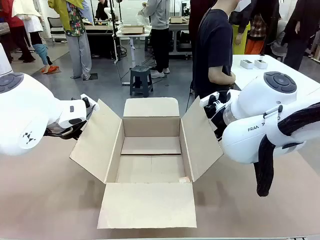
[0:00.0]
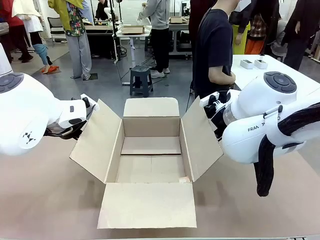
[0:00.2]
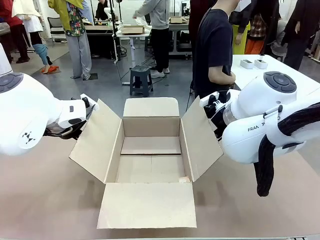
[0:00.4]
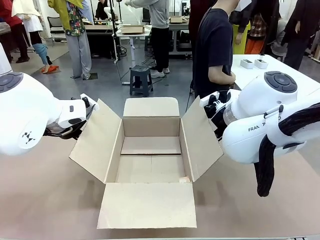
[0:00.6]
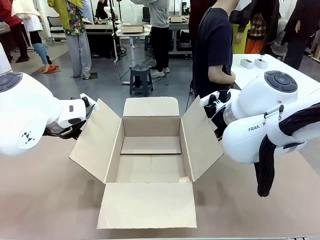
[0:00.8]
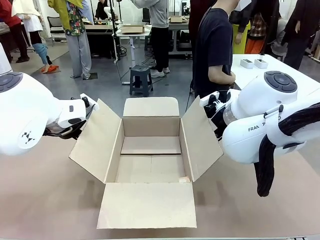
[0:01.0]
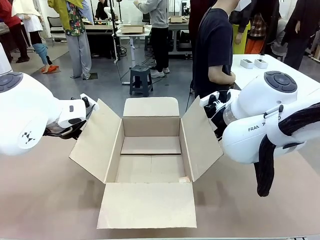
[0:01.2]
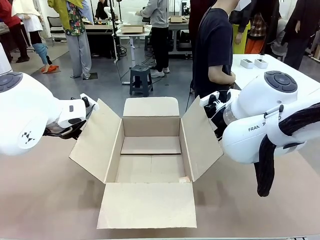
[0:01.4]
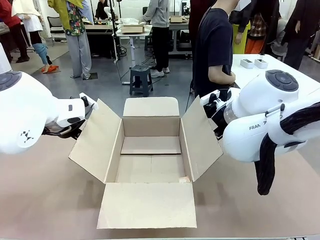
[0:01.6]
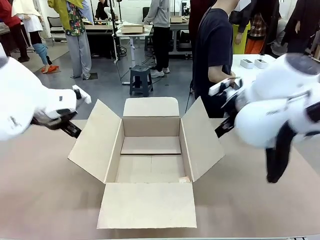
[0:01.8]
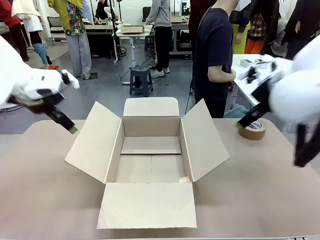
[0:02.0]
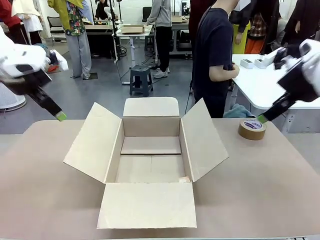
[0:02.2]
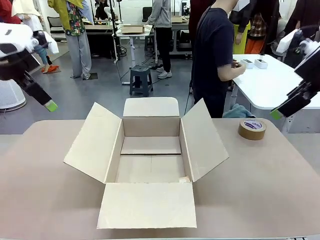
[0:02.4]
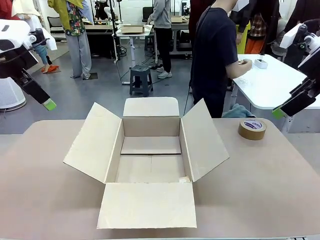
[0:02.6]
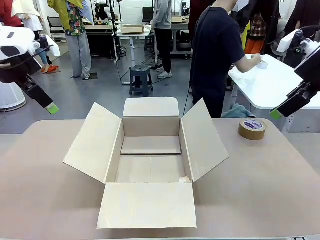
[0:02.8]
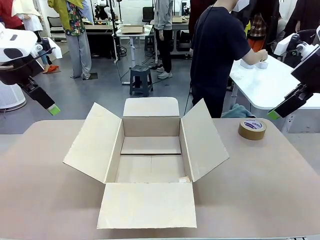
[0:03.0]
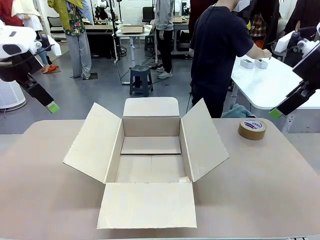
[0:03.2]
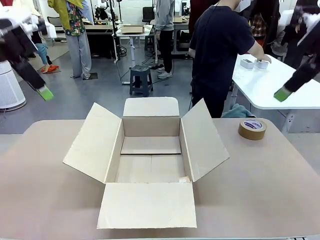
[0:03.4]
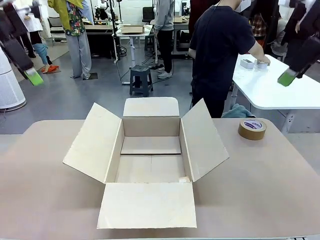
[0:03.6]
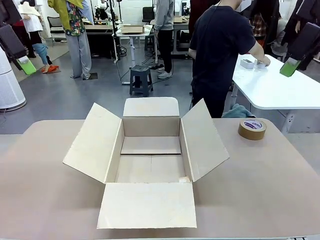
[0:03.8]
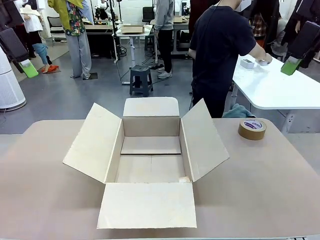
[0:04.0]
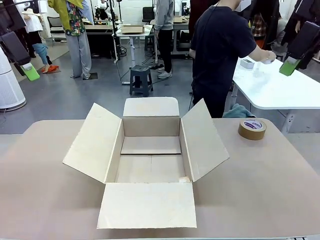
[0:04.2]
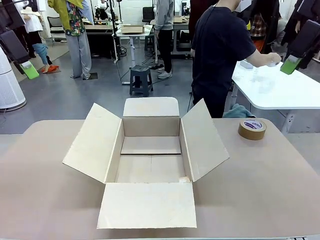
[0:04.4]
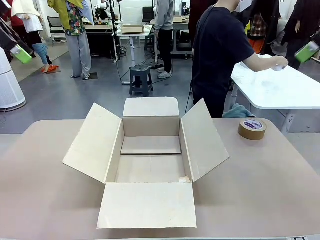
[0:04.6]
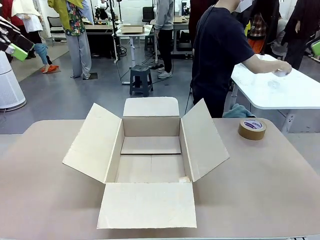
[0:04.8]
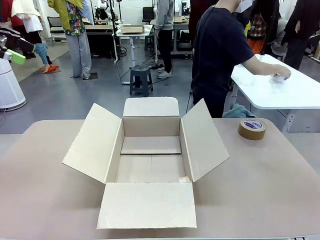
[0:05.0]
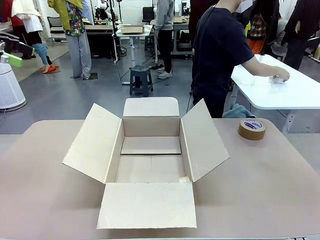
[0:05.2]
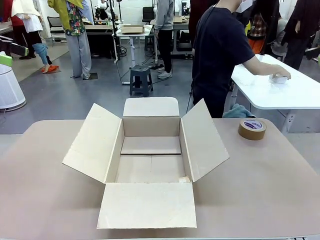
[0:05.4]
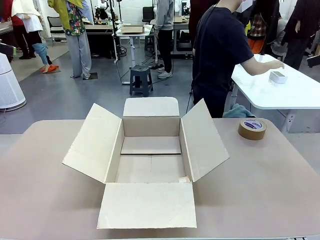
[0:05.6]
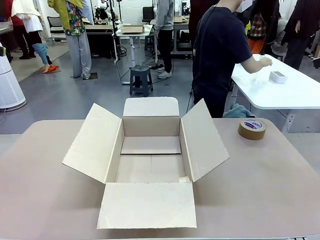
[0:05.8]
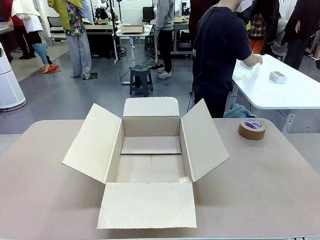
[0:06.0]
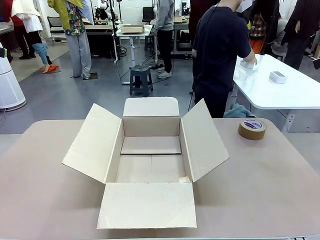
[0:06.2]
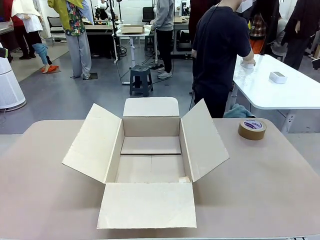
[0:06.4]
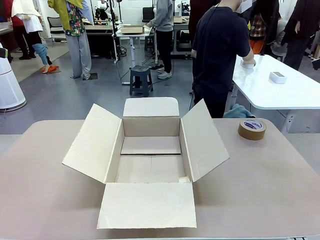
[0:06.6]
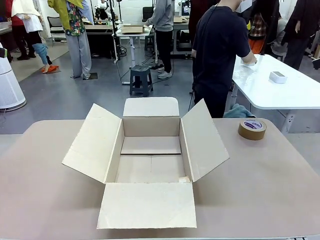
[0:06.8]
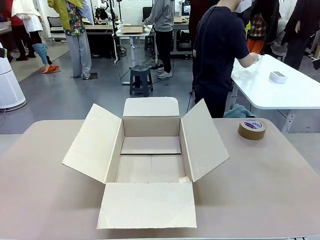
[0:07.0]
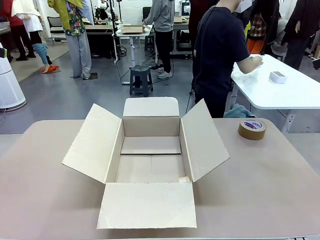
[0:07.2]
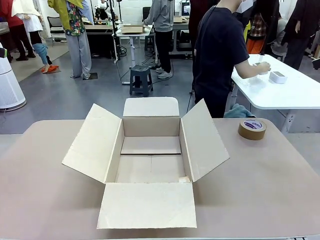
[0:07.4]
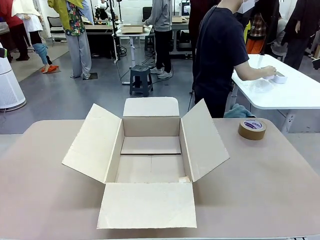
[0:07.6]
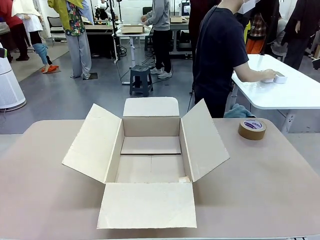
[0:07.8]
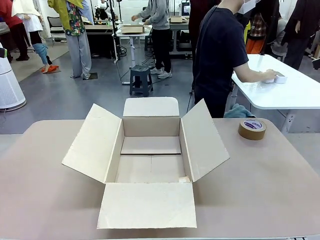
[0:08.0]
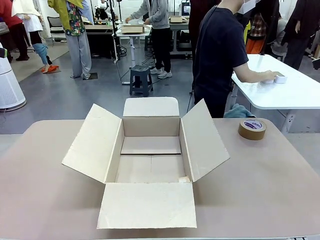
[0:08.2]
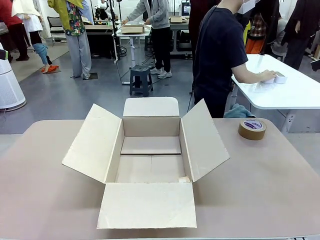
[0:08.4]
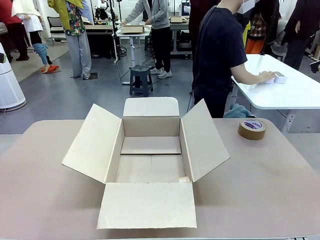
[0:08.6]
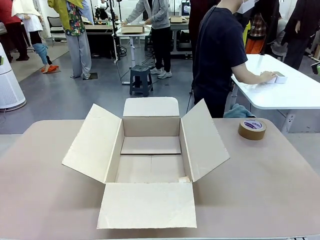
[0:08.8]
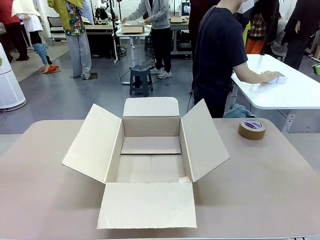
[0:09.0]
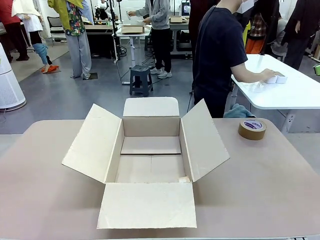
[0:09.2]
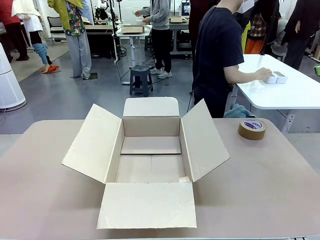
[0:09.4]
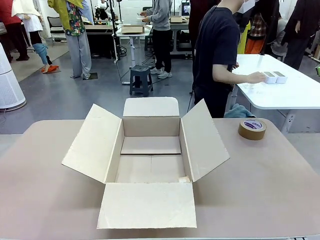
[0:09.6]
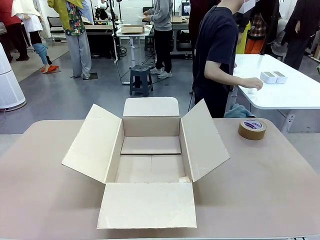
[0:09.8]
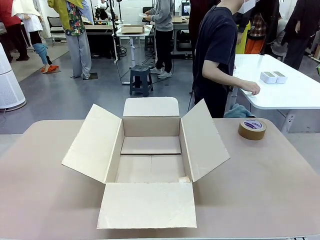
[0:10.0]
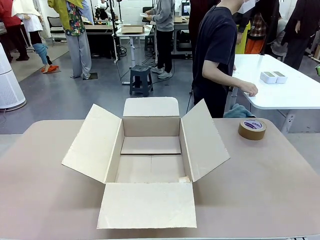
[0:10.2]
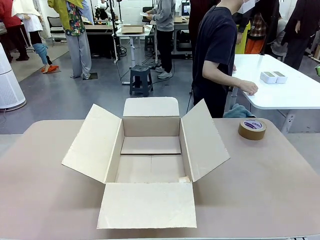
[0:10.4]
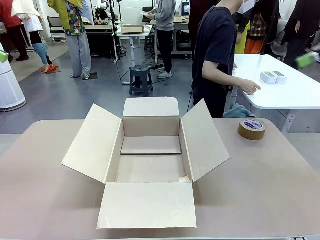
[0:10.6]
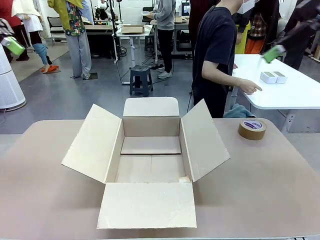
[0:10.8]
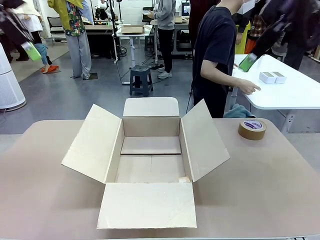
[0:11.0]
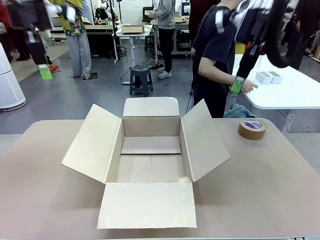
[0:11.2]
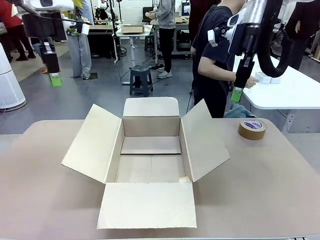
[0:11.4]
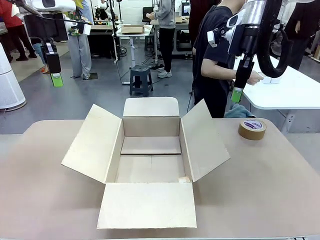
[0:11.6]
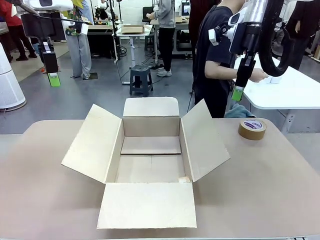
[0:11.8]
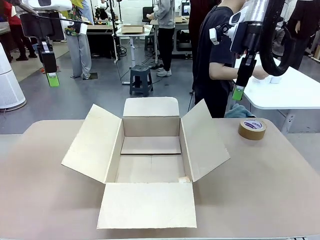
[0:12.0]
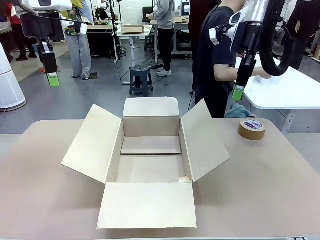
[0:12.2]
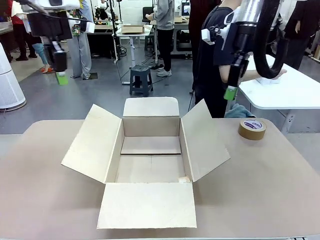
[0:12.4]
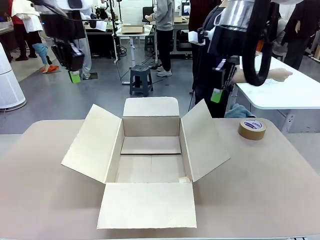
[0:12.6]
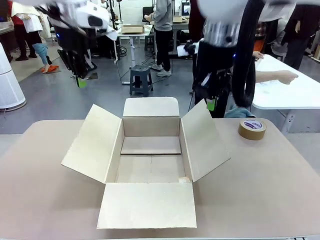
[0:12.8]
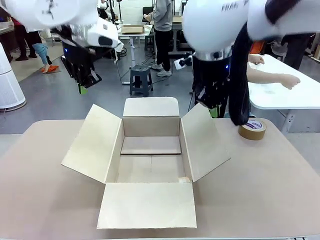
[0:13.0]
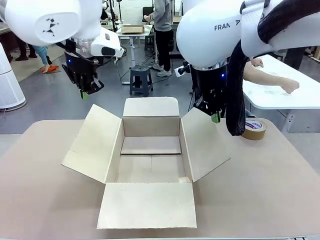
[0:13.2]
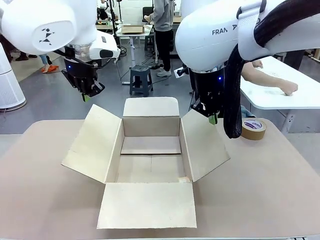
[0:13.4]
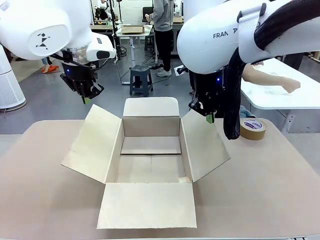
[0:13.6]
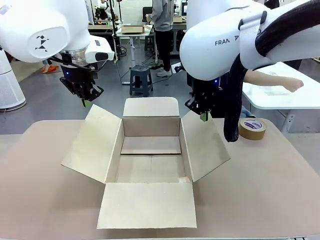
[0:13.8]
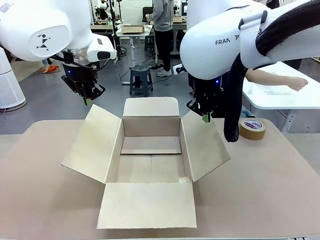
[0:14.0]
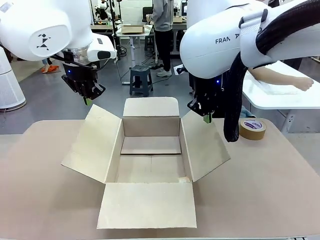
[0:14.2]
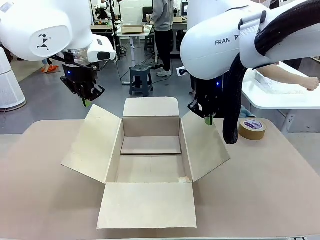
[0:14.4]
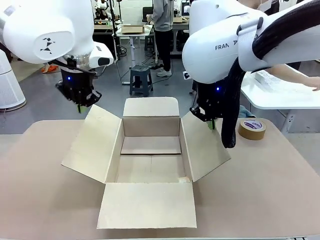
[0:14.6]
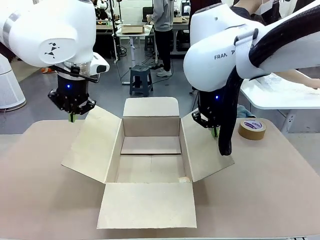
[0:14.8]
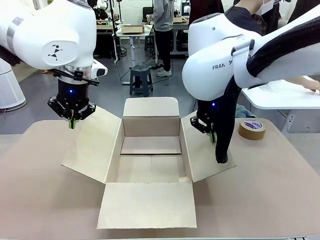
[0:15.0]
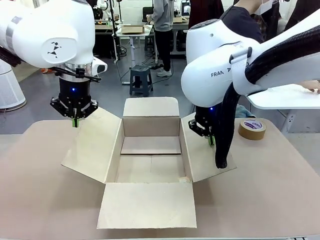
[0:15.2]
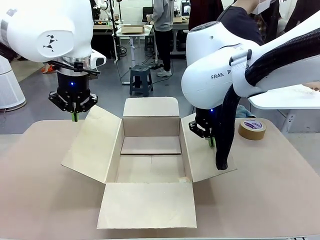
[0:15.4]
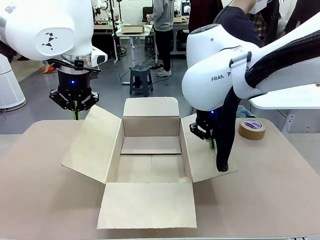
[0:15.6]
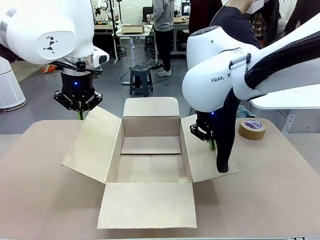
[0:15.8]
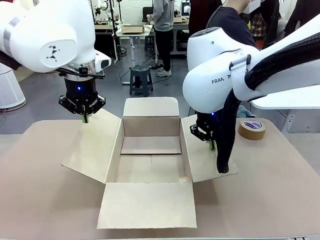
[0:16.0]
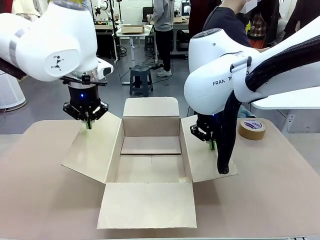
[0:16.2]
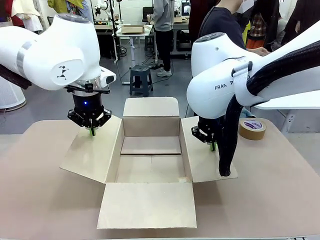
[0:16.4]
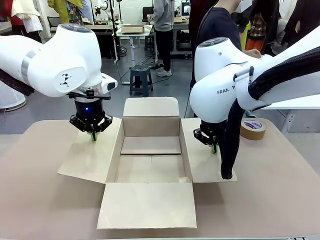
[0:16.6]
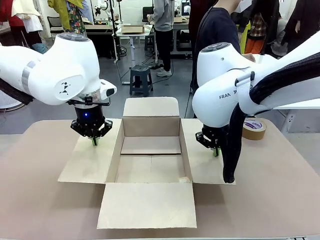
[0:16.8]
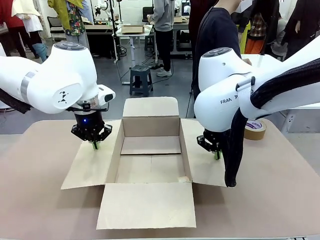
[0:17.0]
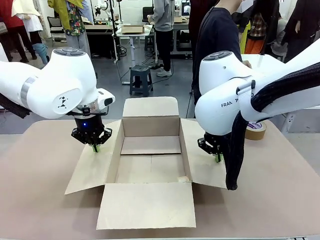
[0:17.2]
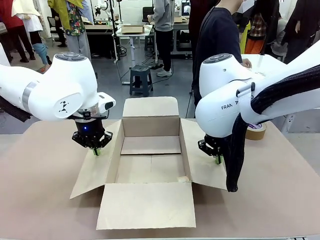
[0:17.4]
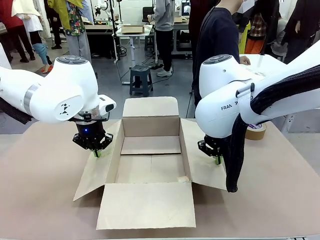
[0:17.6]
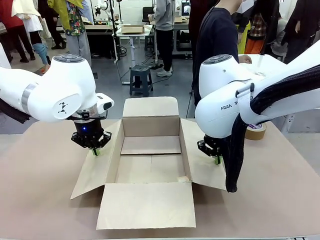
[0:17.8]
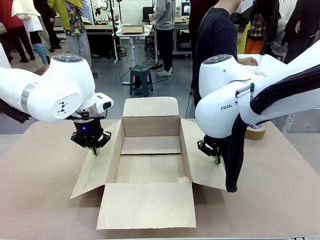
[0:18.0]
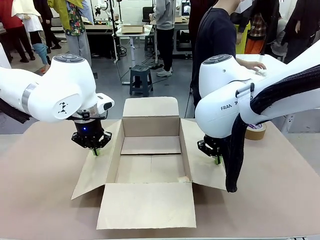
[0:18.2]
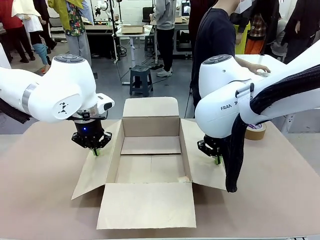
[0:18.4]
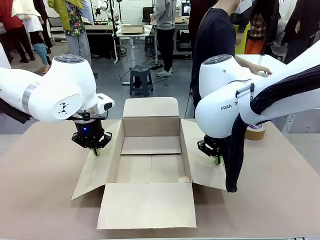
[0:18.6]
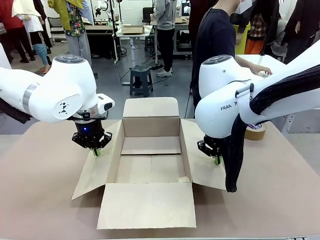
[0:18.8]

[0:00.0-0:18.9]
Task: Wrap the clocks to prevent damage.
Robot: Open the side flaps of the Package Box.
Person: Wrap the two Digital clocks with Bubble Wrap.
